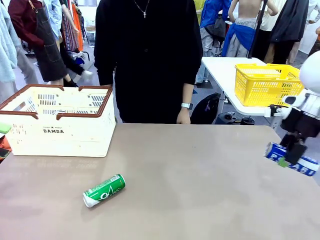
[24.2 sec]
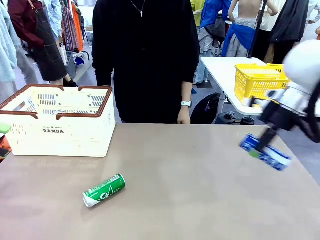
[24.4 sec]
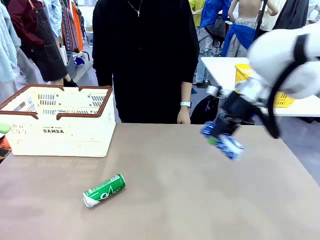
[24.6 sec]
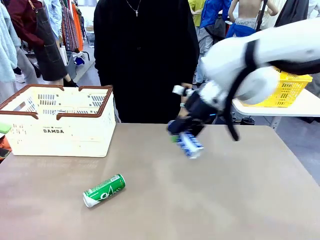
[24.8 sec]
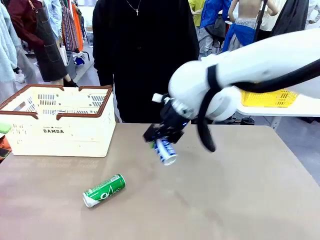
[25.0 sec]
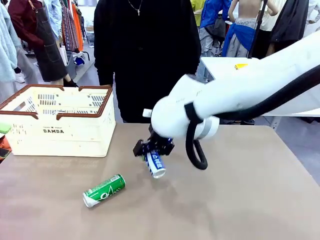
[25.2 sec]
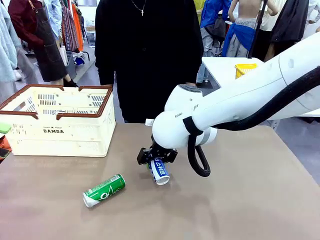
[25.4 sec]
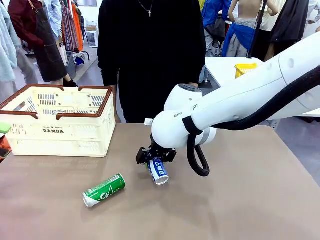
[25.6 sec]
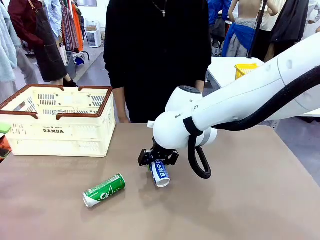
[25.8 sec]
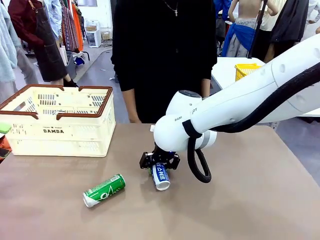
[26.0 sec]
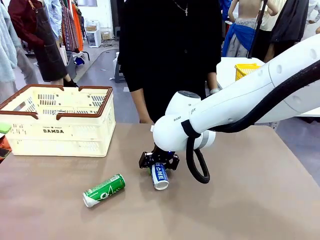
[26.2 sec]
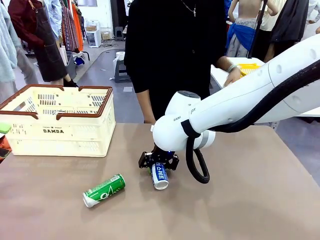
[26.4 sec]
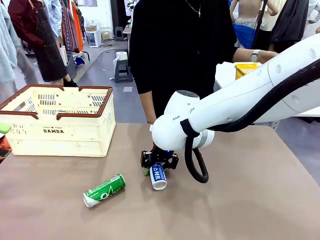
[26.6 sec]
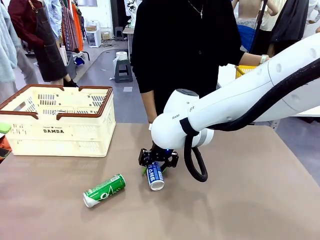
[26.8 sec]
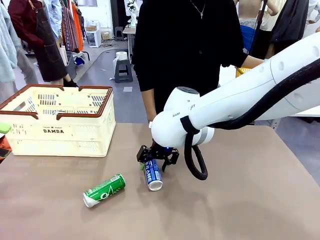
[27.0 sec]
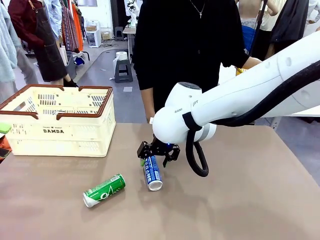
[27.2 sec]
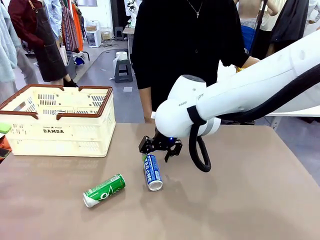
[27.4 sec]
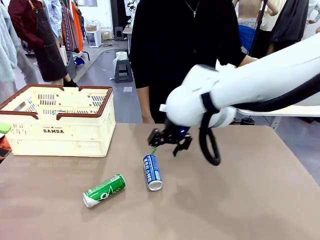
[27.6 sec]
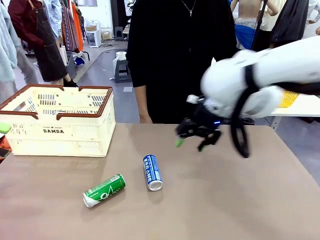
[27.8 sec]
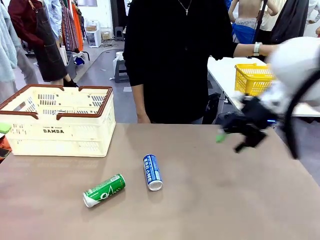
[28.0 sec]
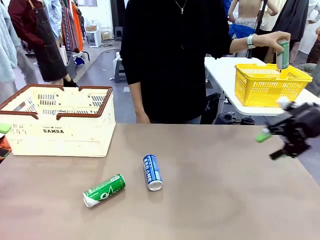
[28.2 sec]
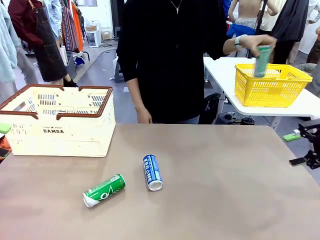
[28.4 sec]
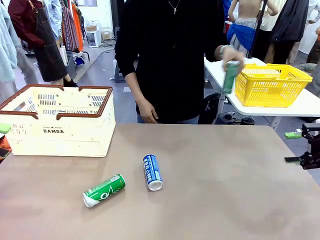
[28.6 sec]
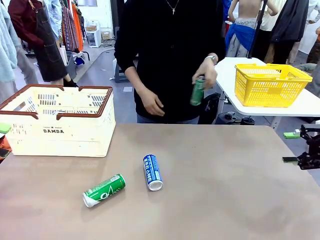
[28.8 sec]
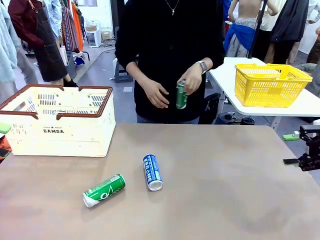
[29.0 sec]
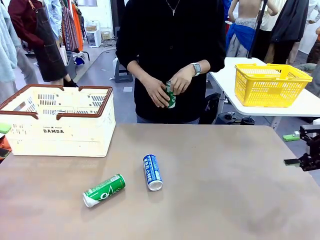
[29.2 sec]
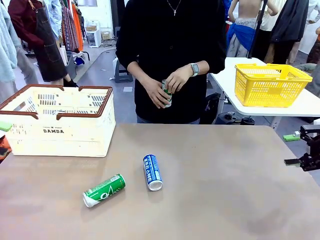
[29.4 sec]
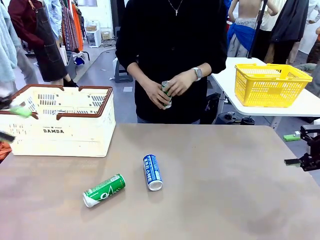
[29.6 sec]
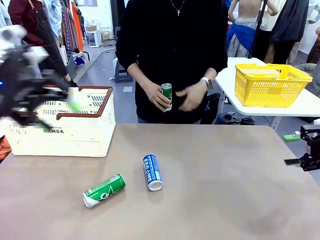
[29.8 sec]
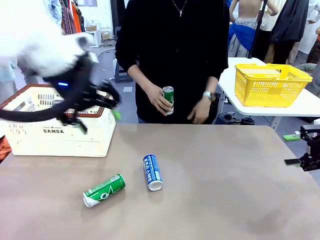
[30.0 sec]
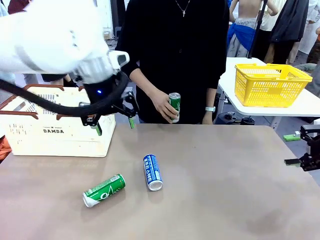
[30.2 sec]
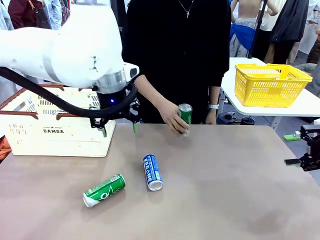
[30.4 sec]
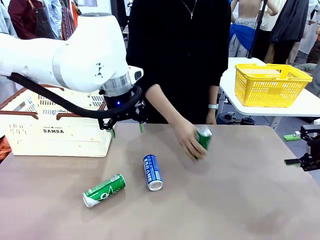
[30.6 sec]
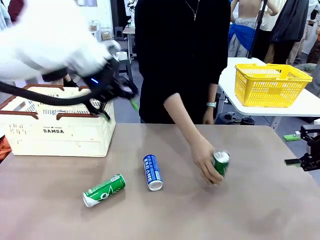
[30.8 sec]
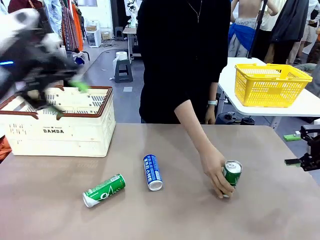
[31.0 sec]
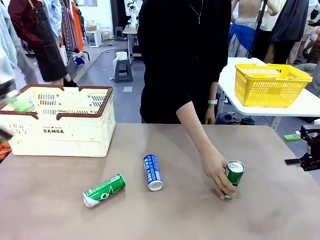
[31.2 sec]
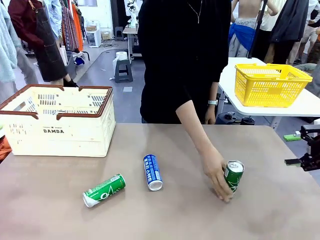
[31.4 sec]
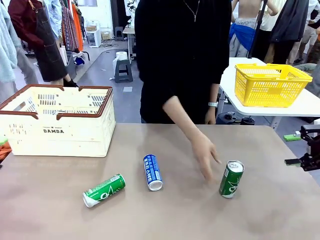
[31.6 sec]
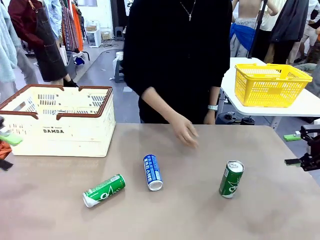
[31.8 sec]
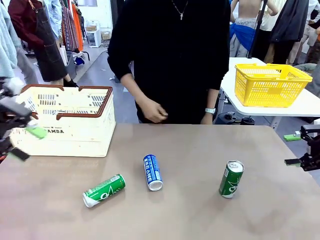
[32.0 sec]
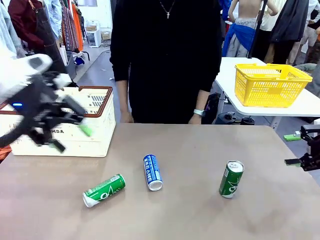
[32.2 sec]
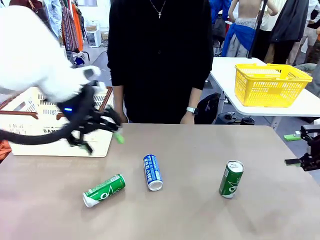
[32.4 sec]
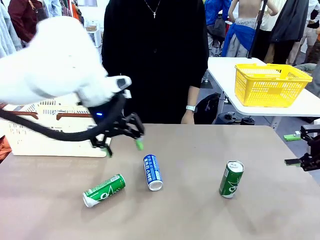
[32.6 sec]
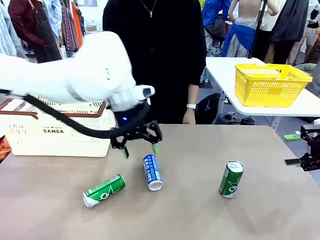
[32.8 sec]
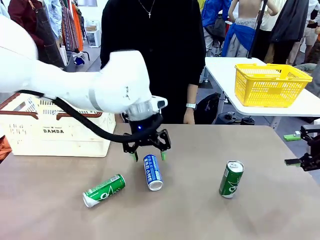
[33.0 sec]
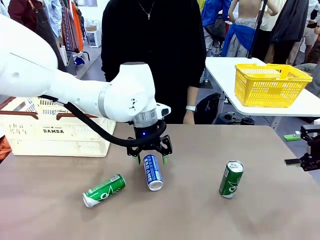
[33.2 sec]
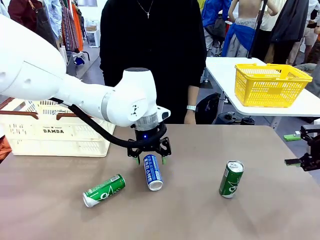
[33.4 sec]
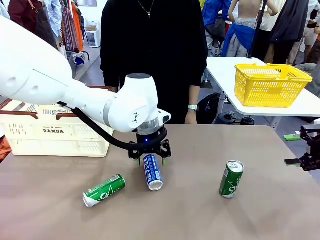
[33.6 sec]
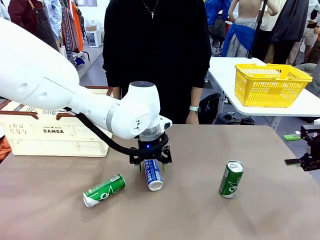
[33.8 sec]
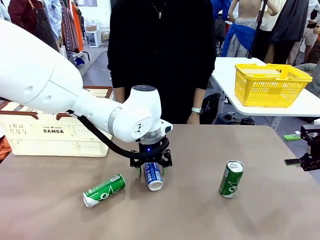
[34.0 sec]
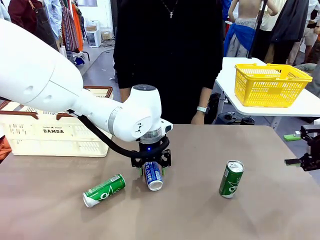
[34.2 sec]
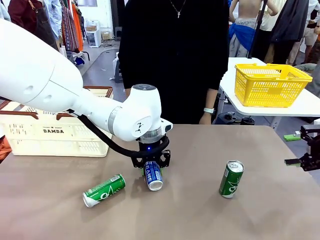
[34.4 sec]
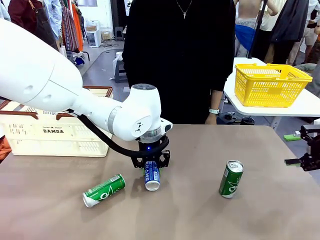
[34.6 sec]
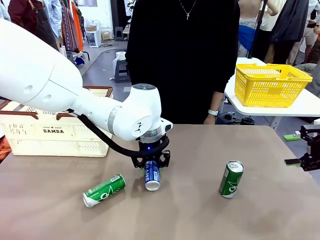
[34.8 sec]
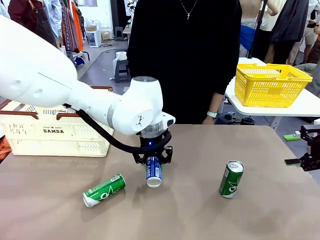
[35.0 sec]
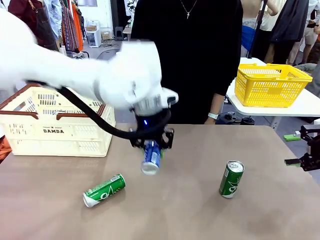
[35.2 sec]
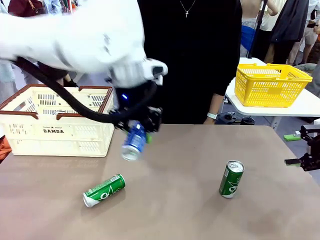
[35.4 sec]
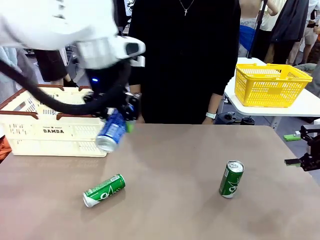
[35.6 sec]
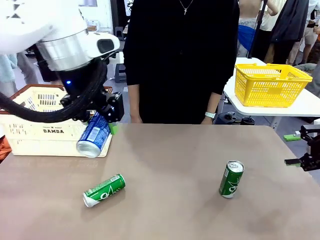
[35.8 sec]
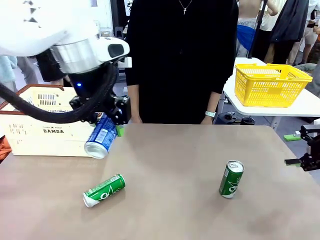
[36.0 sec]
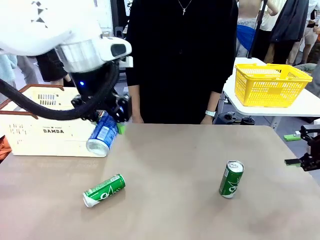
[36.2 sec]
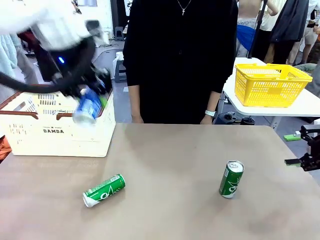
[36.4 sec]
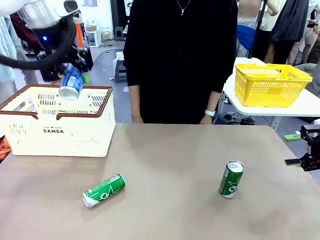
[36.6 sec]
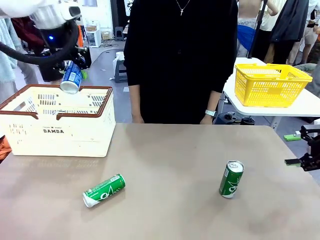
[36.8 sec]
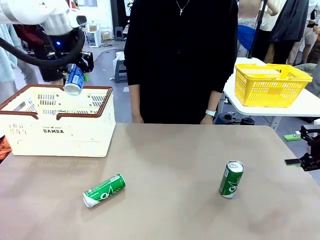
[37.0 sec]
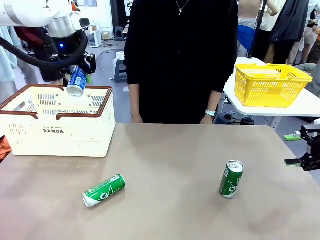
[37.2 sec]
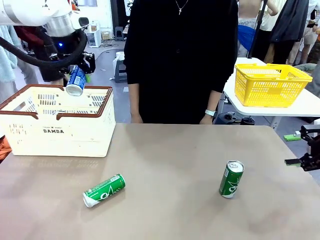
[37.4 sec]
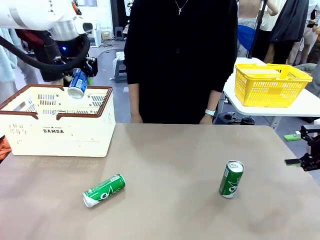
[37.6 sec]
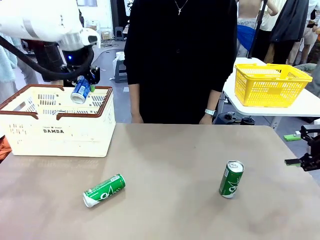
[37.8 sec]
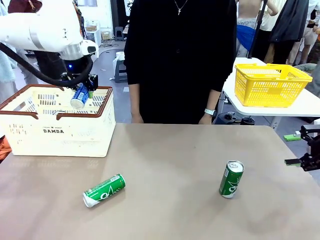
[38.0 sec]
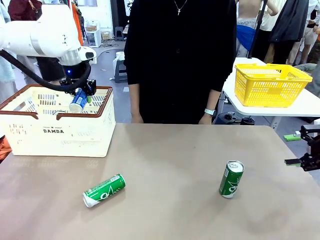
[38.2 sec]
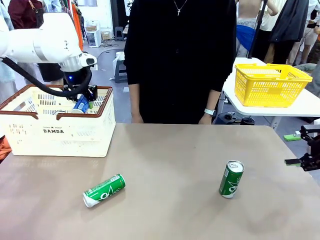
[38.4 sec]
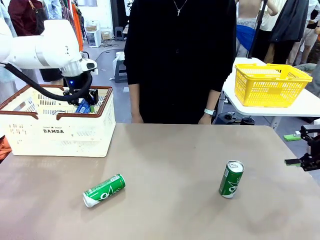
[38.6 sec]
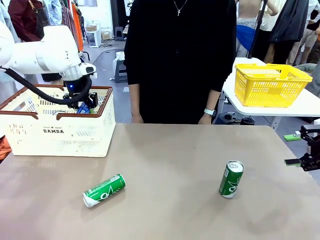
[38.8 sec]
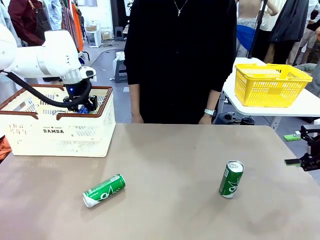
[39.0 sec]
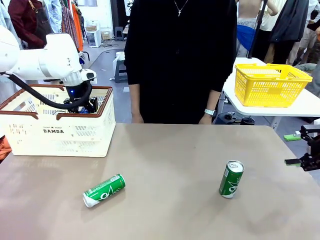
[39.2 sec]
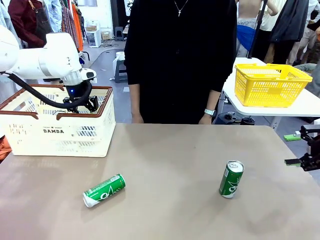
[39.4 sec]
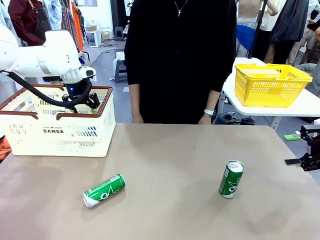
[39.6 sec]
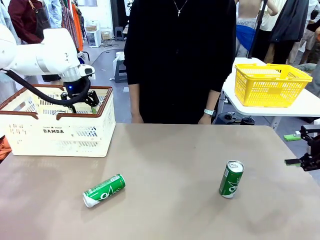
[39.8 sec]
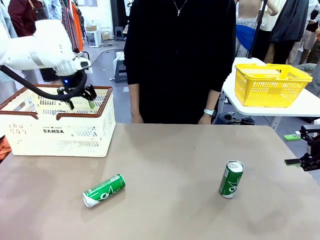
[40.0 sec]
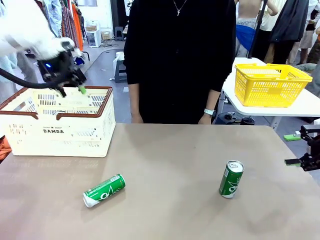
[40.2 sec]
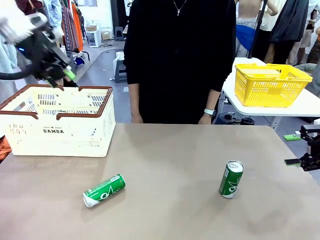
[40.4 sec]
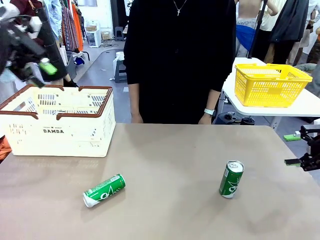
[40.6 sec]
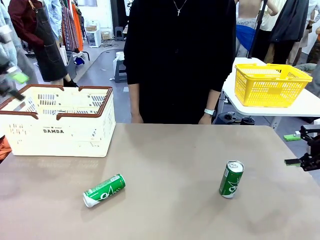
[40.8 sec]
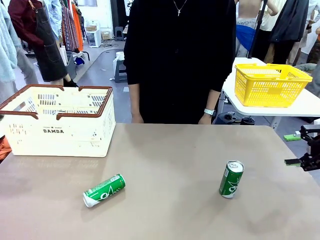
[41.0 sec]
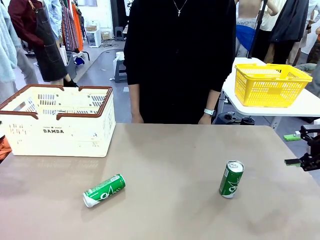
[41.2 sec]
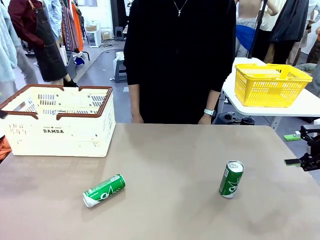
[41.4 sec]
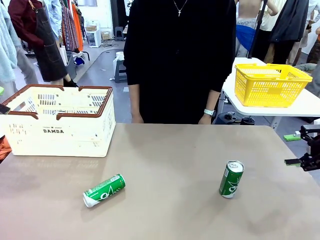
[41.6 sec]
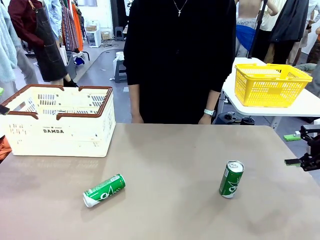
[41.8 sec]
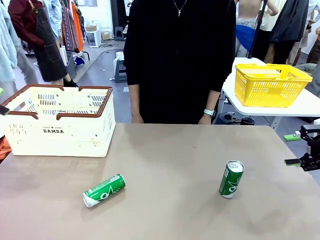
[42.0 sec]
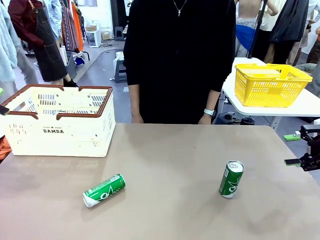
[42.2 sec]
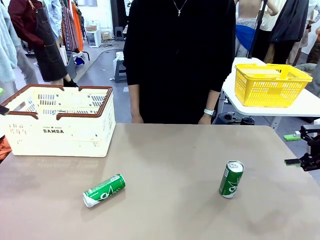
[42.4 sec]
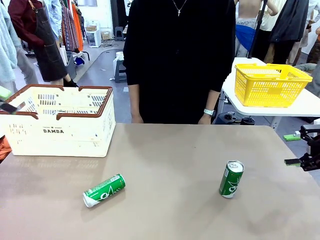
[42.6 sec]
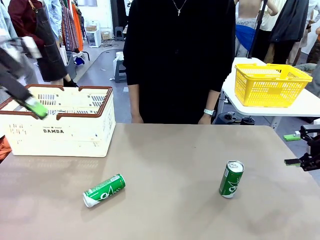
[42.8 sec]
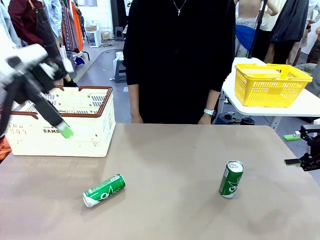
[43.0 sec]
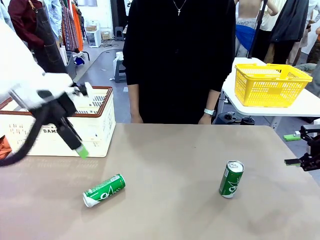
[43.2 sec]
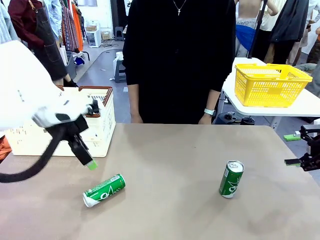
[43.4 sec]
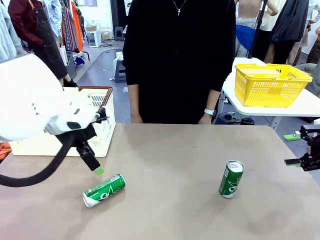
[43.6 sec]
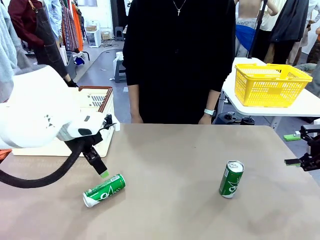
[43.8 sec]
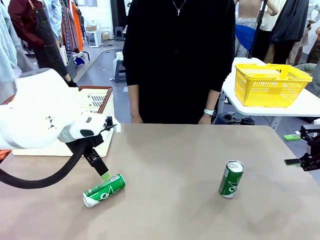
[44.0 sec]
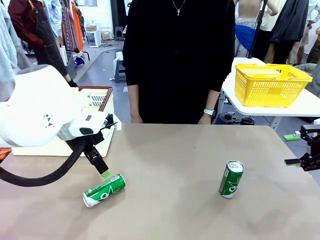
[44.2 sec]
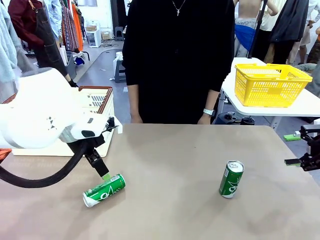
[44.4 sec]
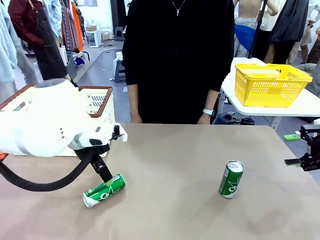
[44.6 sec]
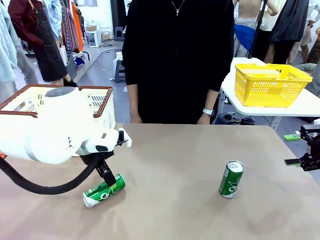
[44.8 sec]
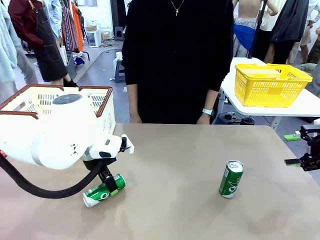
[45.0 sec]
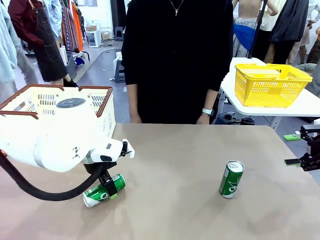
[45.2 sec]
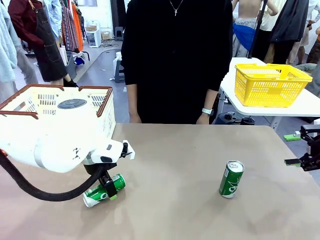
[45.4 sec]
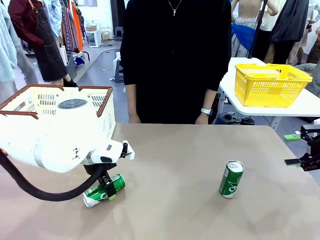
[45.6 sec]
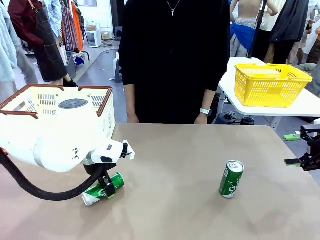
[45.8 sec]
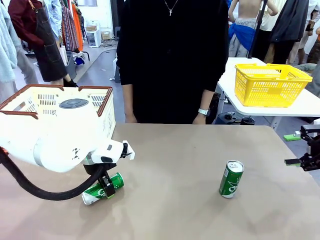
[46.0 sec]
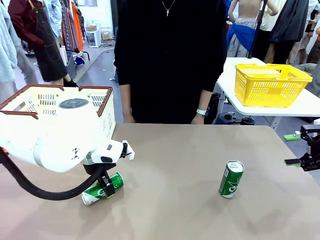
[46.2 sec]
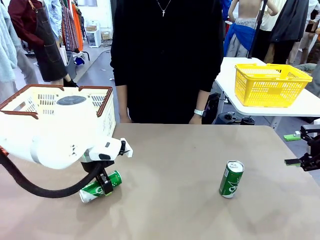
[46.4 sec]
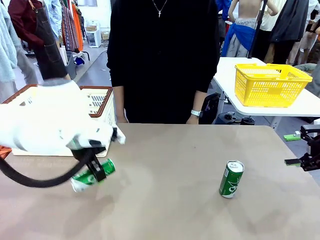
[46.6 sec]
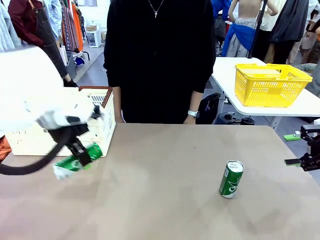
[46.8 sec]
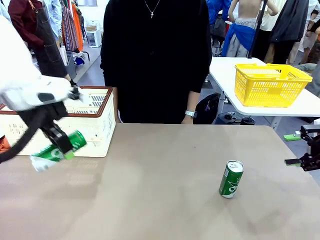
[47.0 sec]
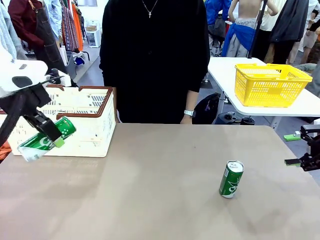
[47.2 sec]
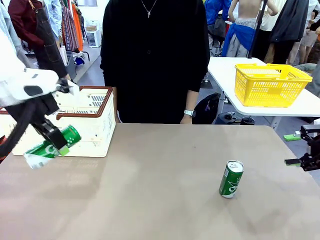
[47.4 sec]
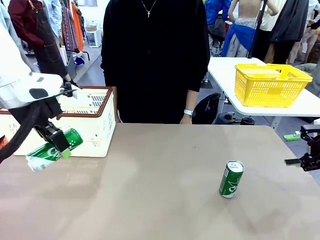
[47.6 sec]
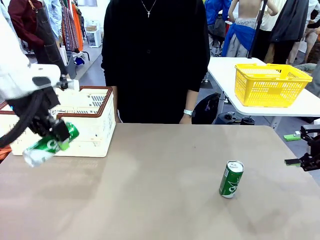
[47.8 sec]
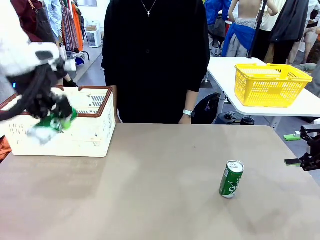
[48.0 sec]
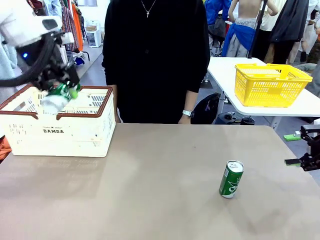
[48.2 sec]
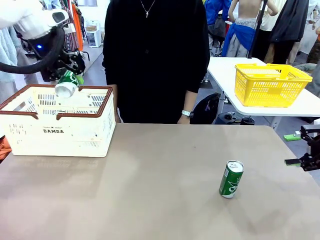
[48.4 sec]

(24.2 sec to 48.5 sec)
Task: Place the drinks into the Shopping basket.
Robot: Pick up one drink and place it into the Shopping basket.
